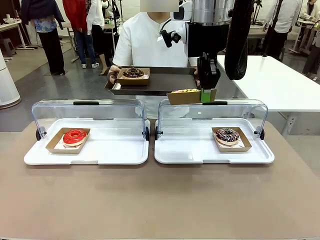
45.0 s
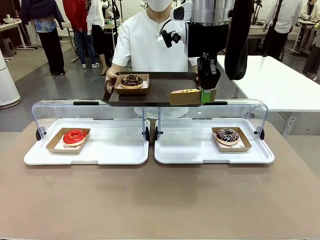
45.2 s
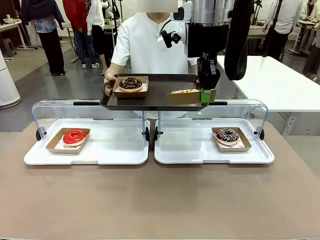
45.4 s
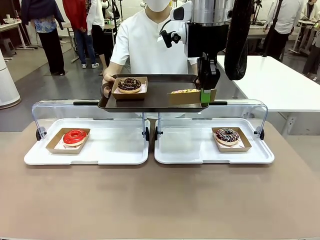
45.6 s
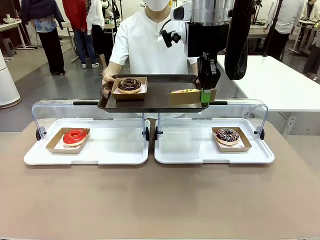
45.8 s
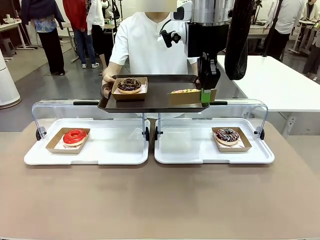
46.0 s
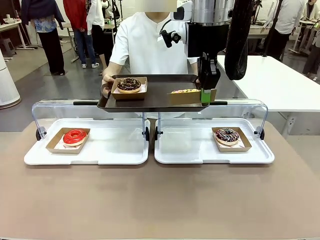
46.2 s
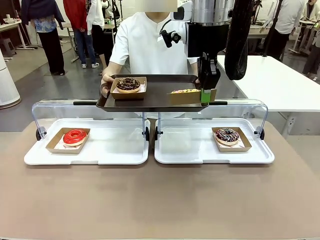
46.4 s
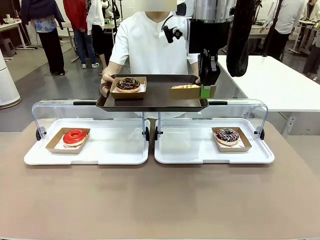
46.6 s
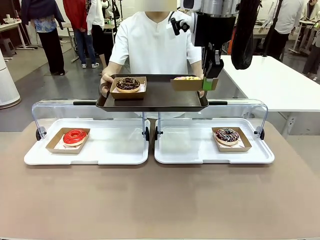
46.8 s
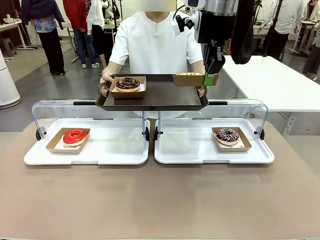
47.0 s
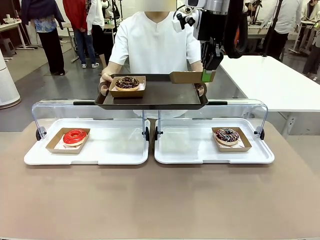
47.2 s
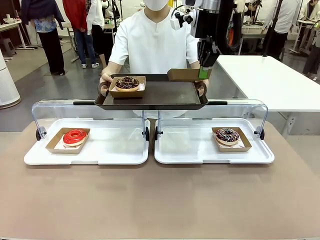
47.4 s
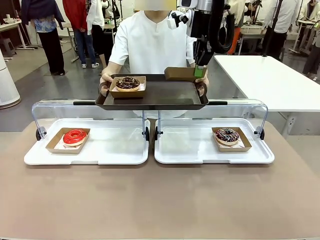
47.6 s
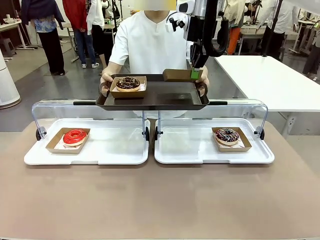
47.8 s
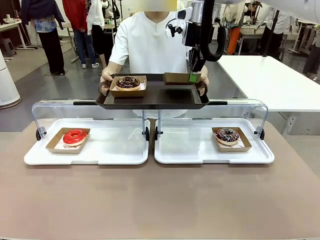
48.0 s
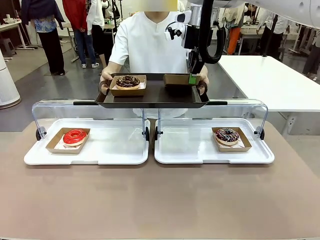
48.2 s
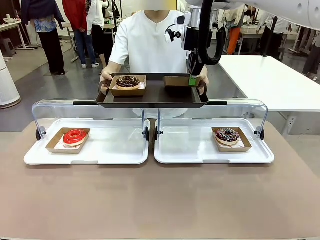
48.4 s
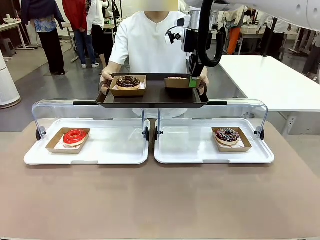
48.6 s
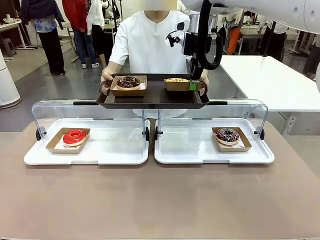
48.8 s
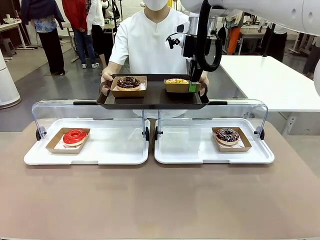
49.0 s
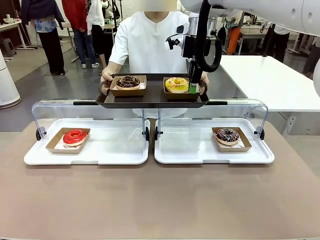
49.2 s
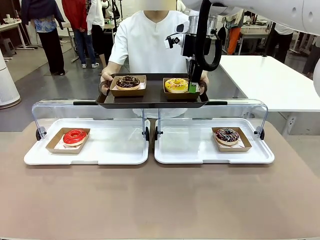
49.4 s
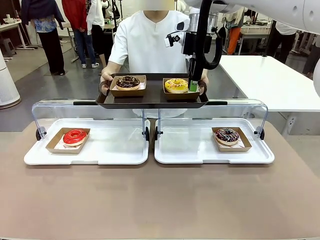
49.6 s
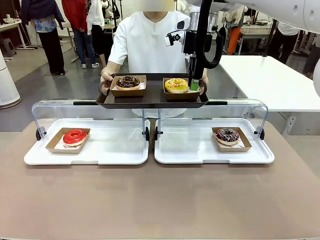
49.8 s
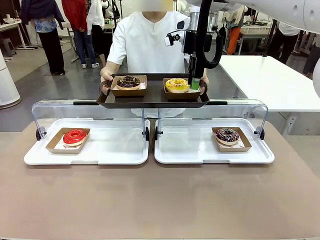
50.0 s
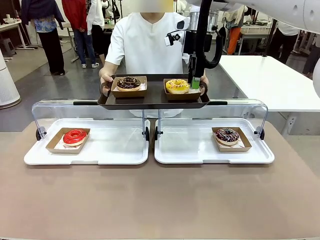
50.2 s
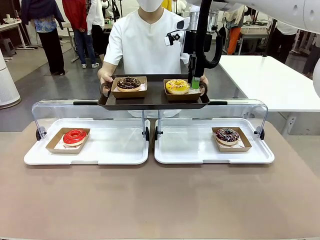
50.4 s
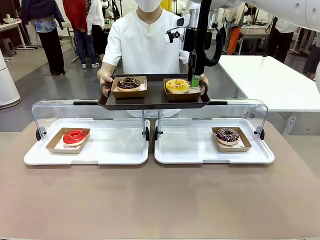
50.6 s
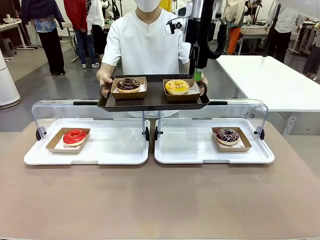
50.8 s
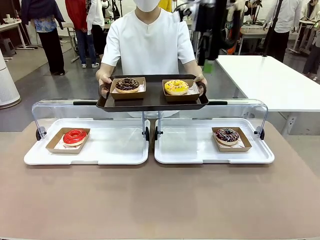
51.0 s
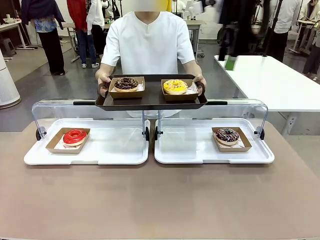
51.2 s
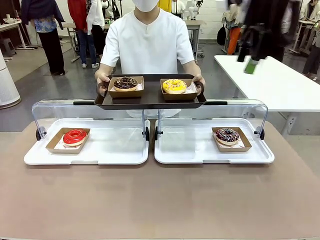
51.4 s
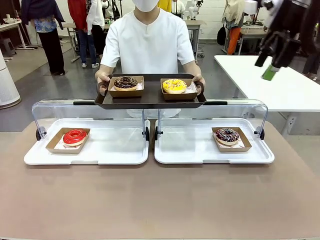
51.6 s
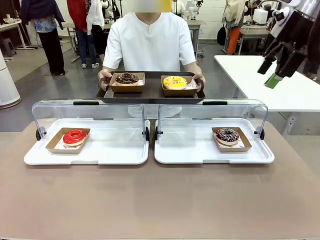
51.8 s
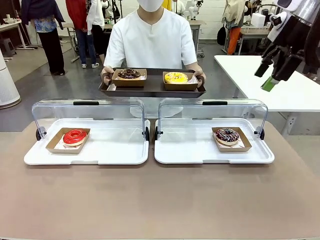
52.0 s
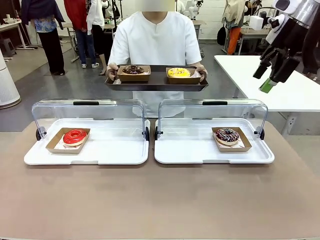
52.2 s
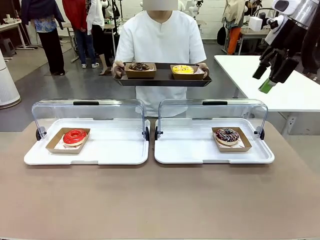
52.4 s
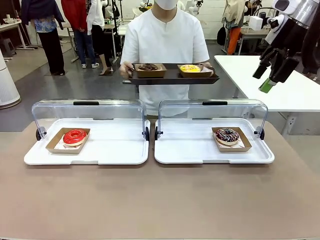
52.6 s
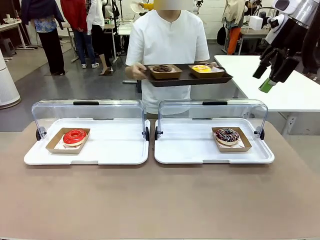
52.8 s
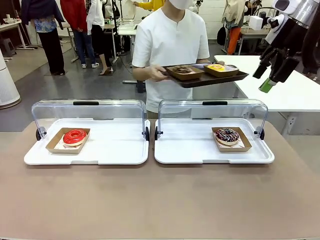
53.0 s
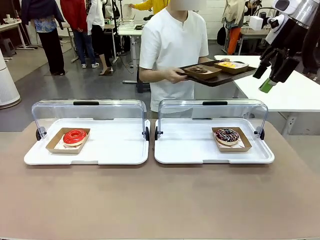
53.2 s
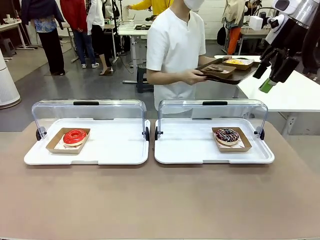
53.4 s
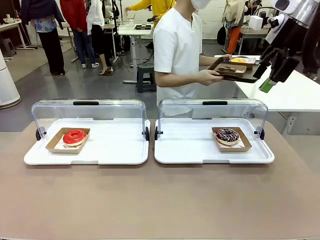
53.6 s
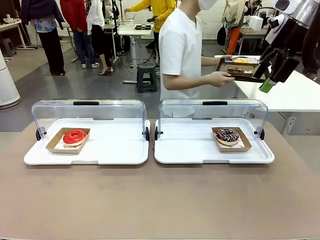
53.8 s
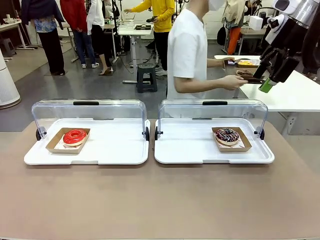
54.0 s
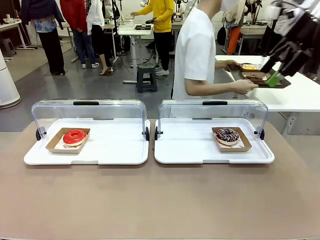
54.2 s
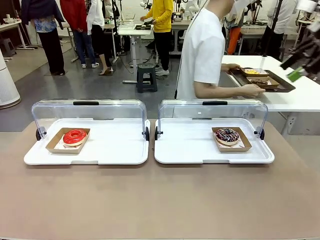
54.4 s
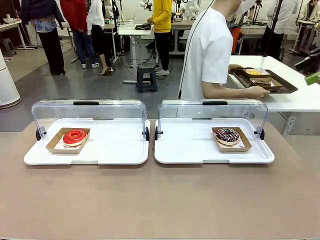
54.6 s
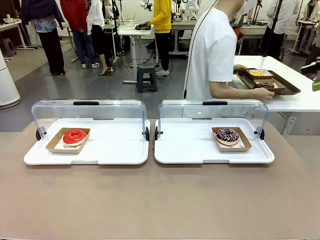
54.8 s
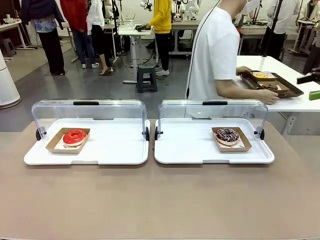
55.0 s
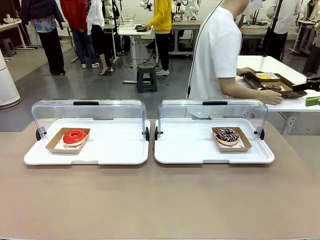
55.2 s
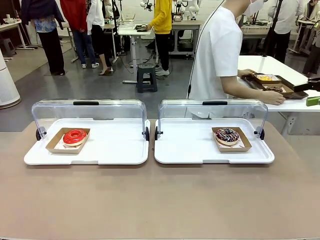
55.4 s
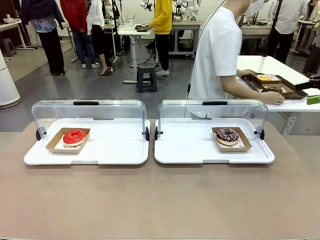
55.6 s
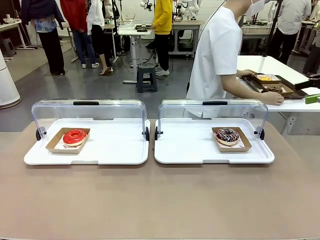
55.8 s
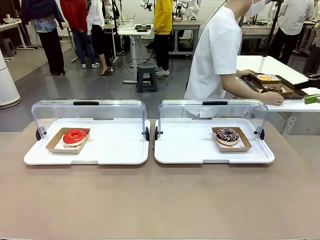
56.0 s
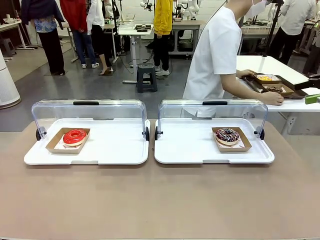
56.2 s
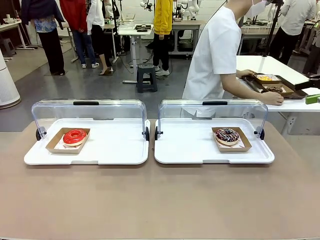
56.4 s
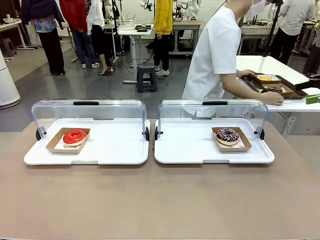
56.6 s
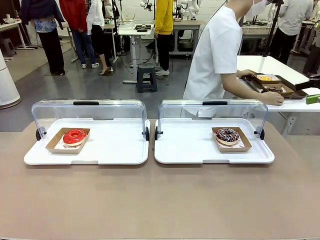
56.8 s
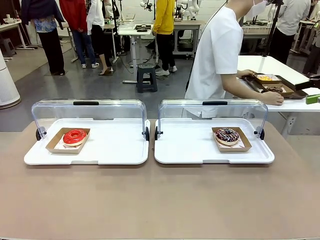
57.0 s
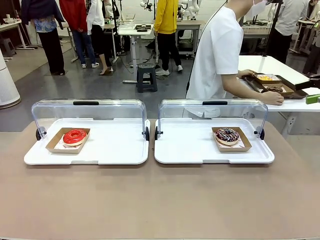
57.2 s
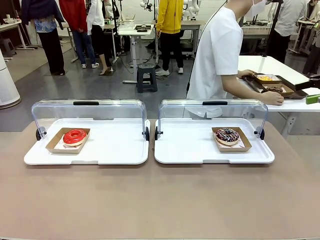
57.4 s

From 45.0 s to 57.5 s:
Task: Provide the desired donut to the person.
Robot: Place the picked Paper togo box onto the Handle tray extended by the person.
Person: Place the tray in the middle of the human table.

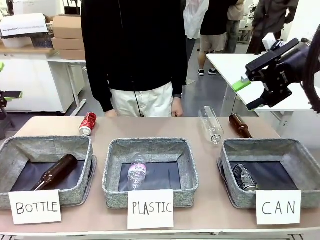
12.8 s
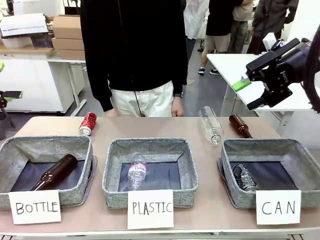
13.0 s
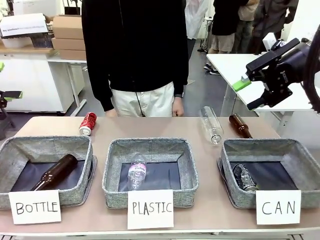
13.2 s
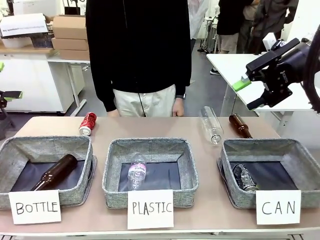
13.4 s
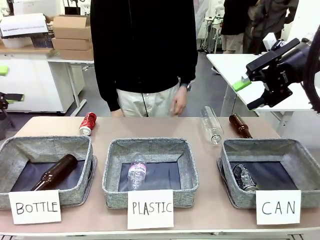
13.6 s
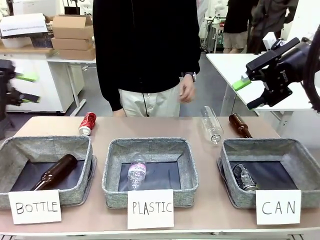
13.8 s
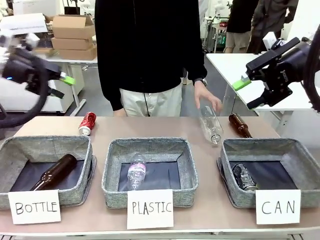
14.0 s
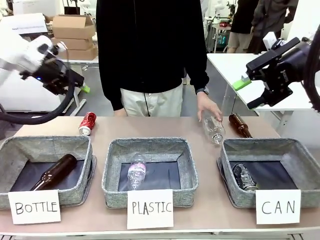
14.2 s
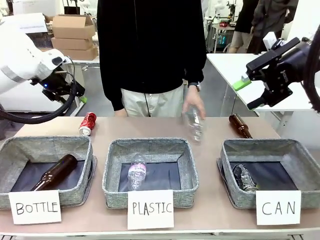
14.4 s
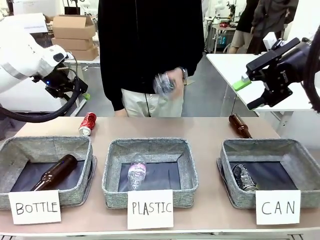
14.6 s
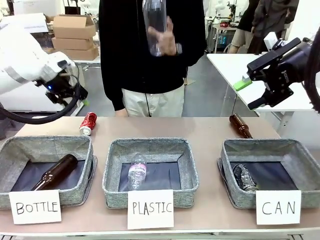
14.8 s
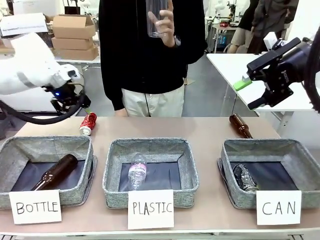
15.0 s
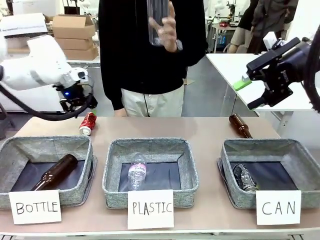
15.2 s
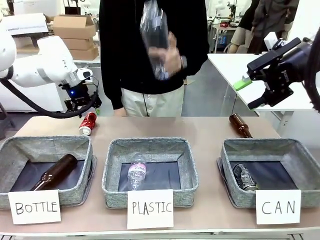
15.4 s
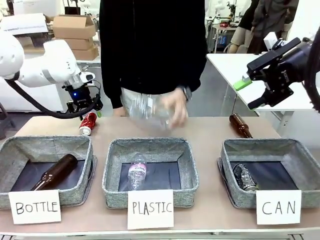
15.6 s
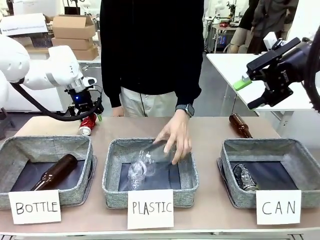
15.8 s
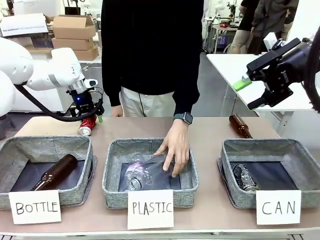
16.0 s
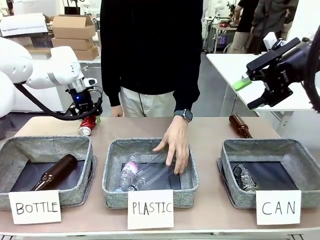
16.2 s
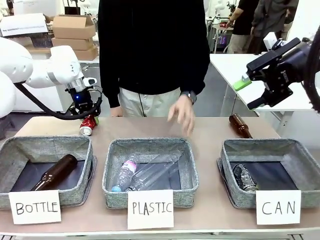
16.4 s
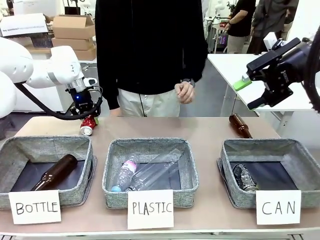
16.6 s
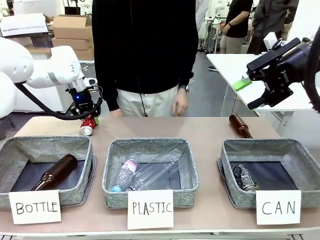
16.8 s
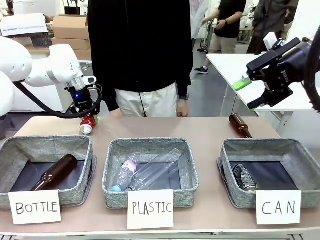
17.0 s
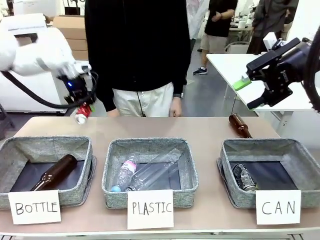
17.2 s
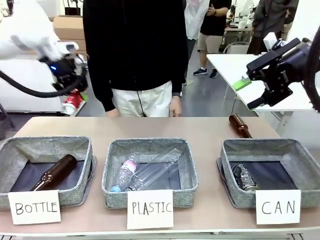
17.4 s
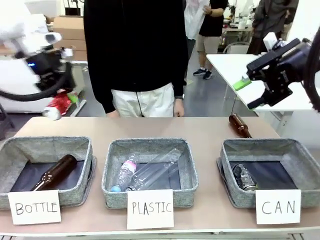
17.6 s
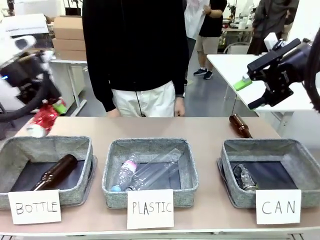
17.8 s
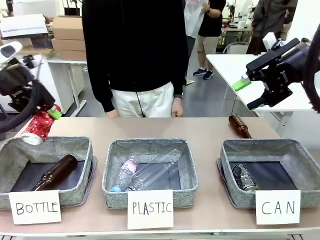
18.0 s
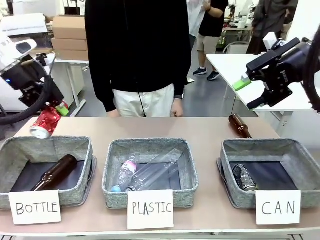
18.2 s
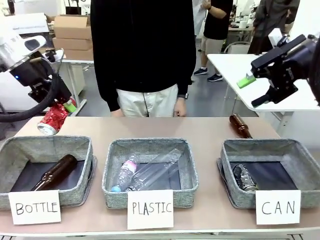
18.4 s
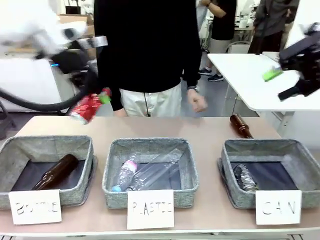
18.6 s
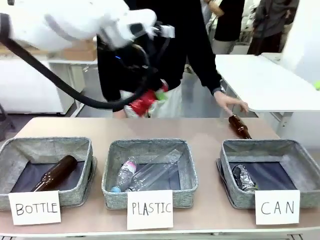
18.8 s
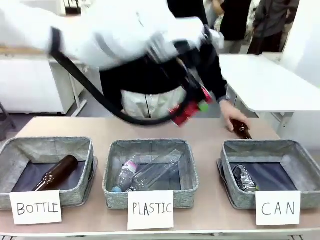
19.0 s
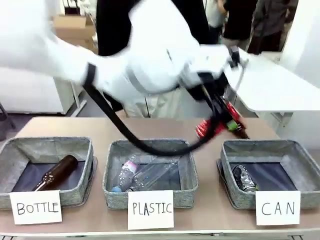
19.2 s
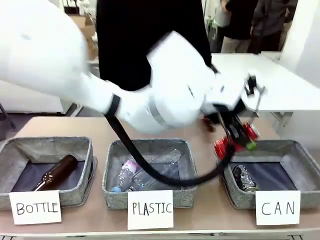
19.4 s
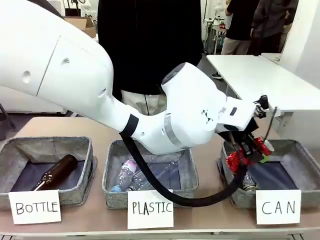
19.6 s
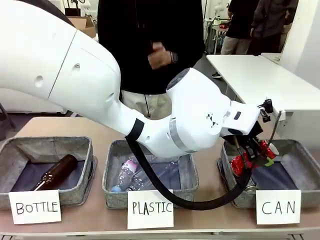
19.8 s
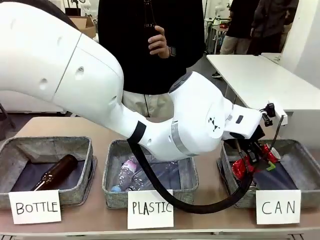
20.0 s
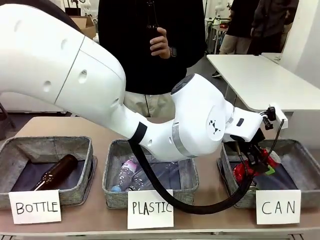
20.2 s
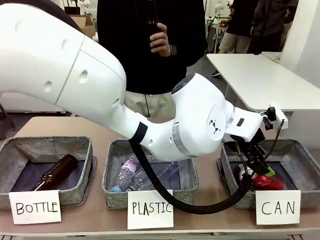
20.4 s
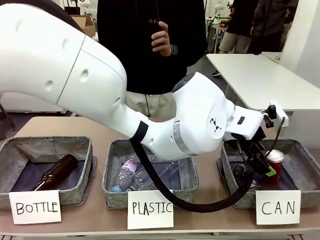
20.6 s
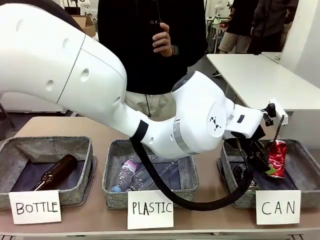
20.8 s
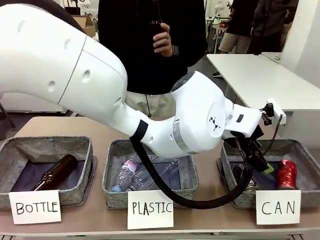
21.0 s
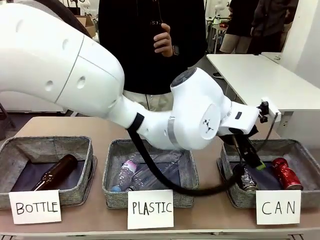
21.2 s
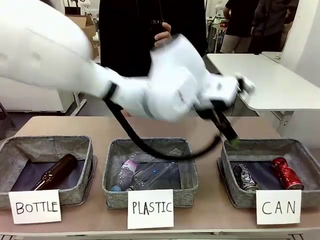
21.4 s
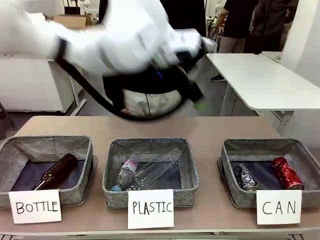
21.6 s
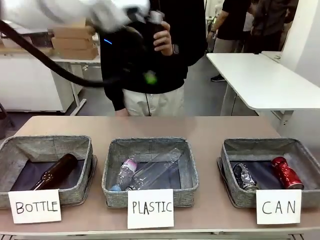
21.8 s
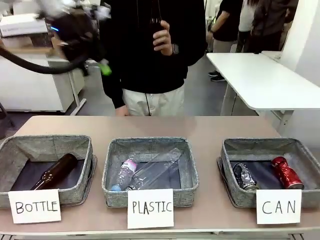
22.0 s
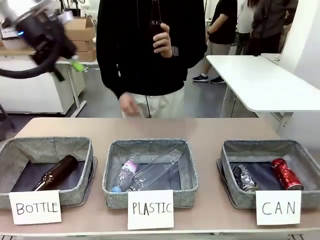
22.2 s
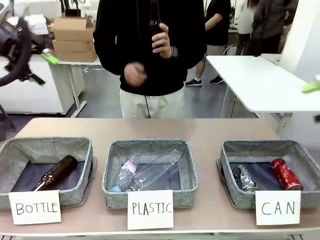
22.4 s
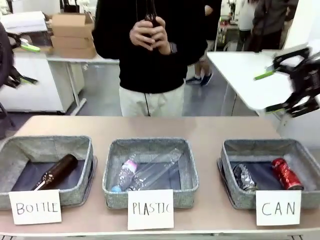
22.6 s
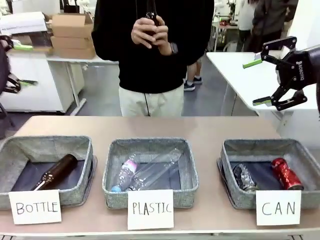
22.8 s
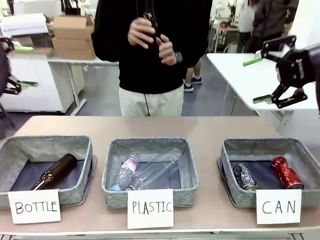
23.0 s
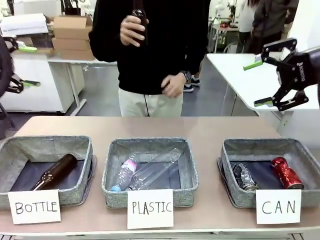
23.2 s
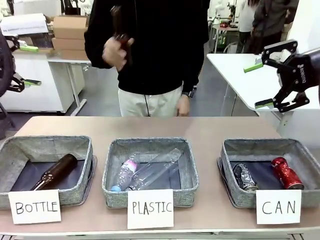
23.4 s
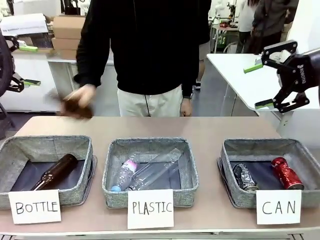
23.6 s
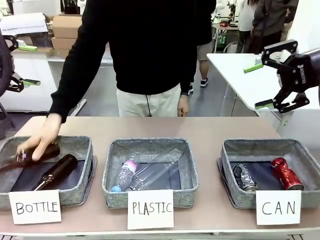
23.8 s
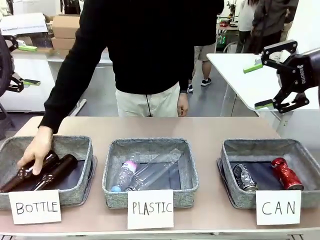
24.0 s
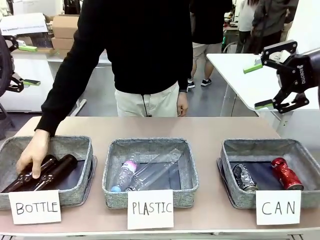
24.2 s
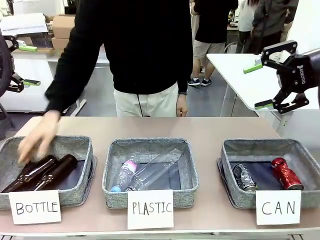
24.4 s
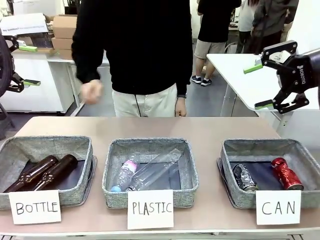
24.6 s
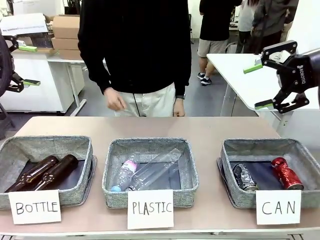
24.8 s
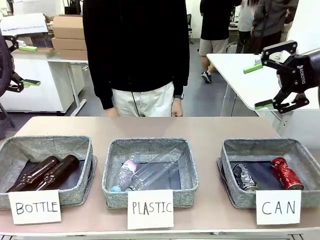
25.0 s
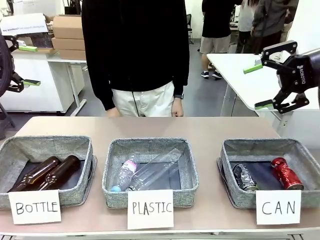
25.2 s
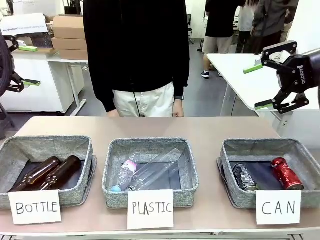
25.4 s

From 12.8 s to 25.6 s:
Task: Sort the can waste into the basket.
Robot: Pick up the can waste from the table and place it in the right Fabric basket.
